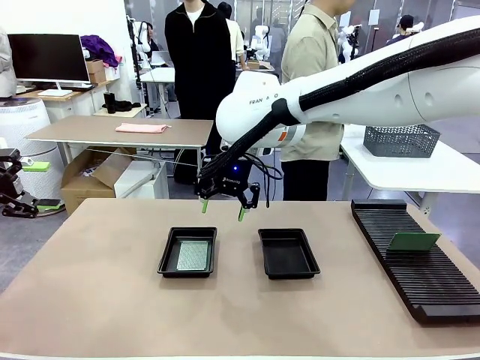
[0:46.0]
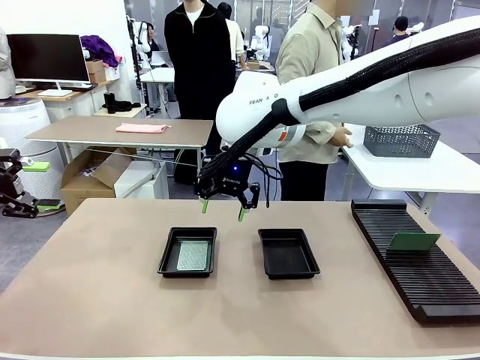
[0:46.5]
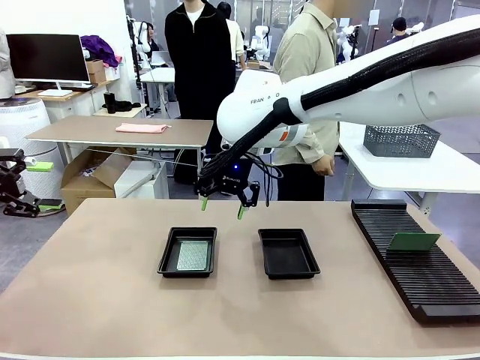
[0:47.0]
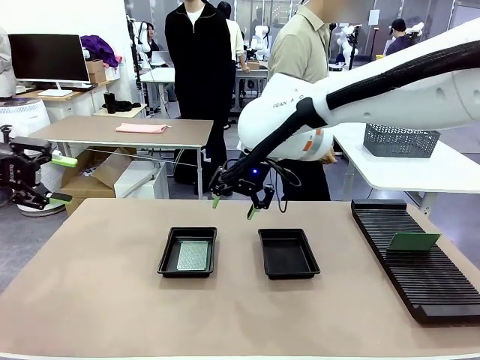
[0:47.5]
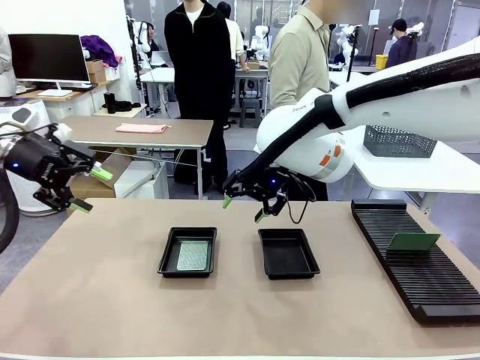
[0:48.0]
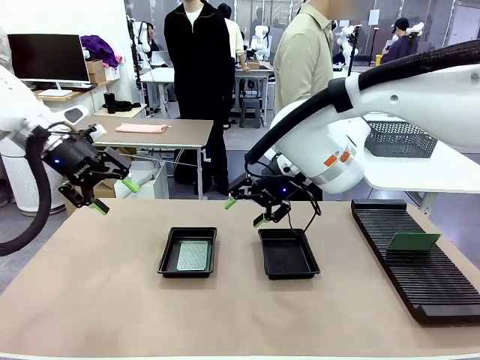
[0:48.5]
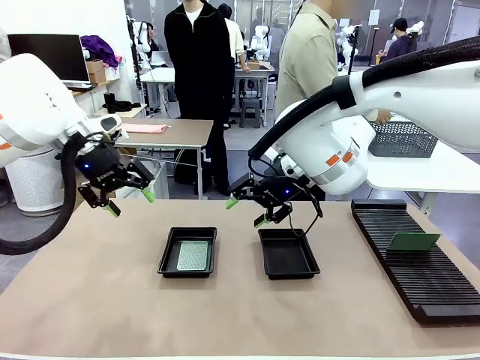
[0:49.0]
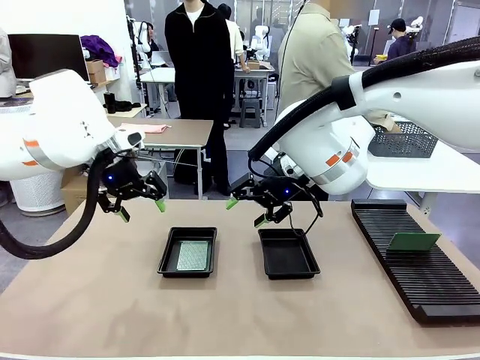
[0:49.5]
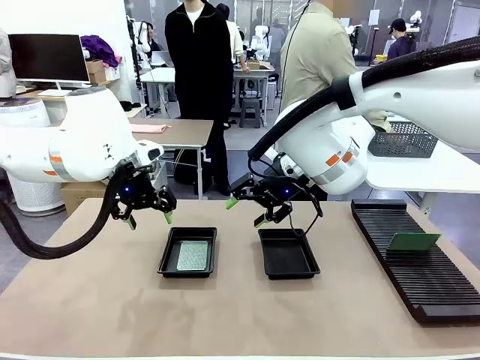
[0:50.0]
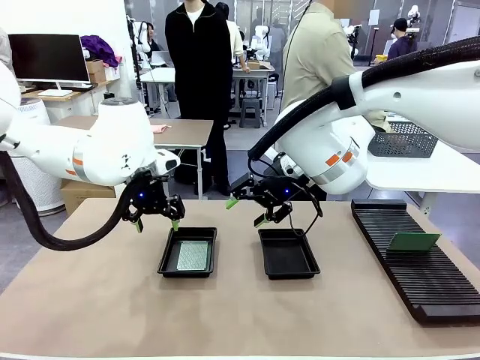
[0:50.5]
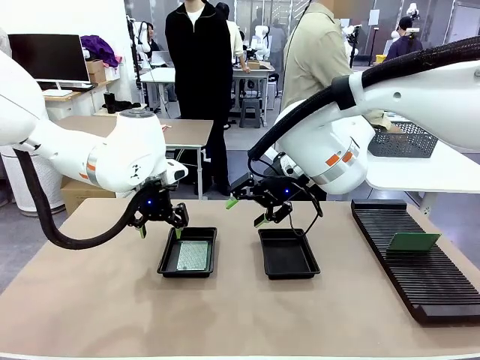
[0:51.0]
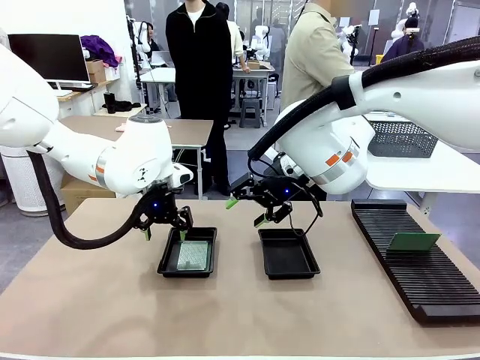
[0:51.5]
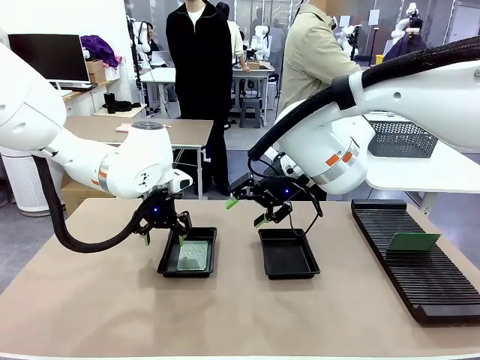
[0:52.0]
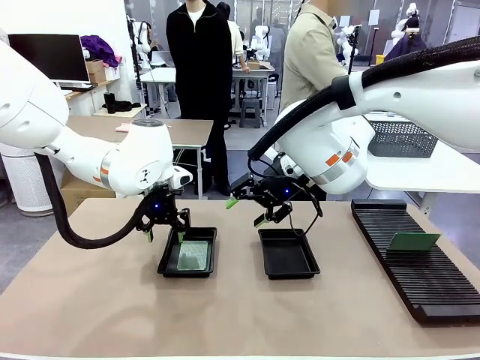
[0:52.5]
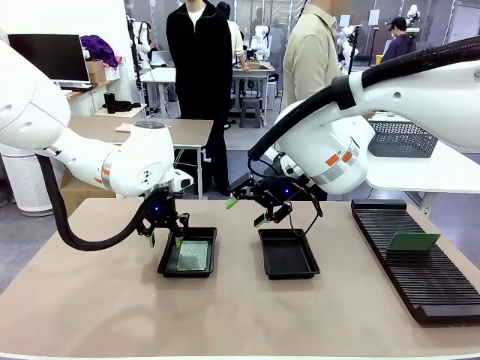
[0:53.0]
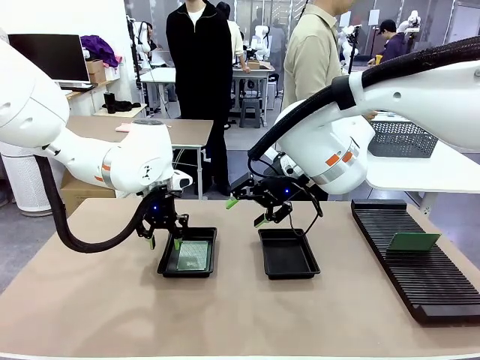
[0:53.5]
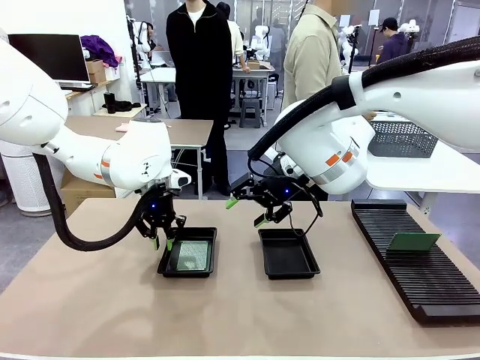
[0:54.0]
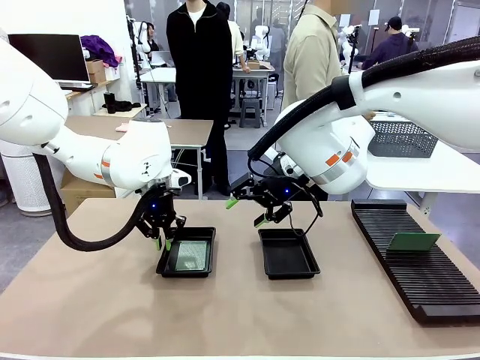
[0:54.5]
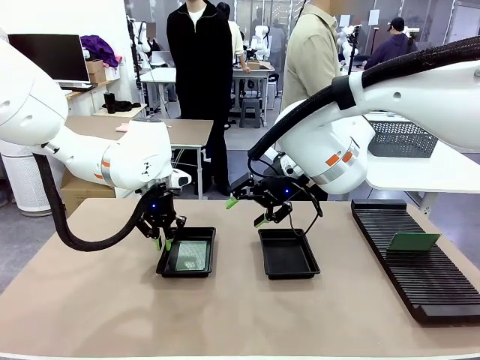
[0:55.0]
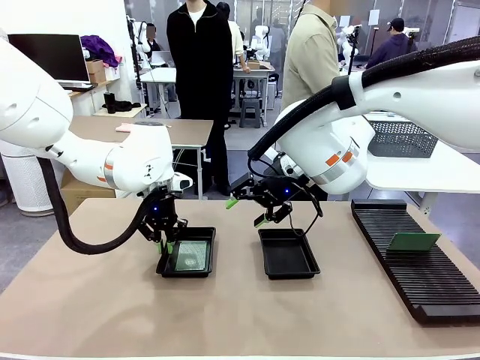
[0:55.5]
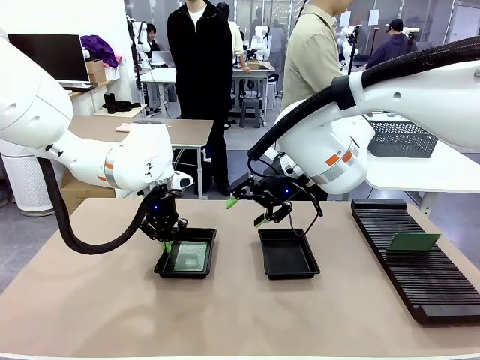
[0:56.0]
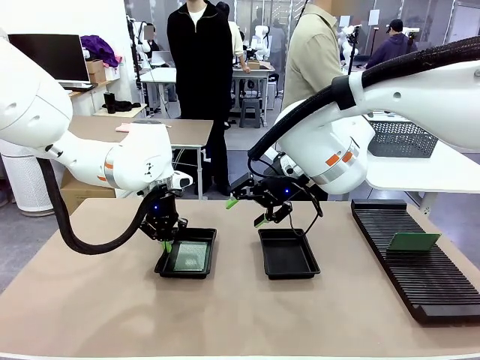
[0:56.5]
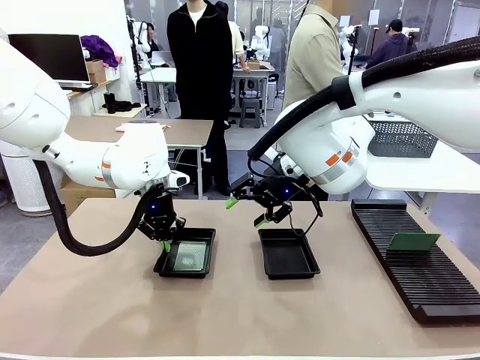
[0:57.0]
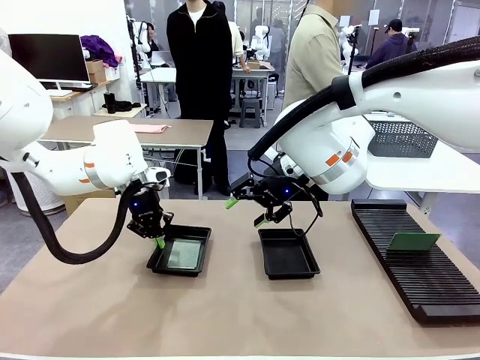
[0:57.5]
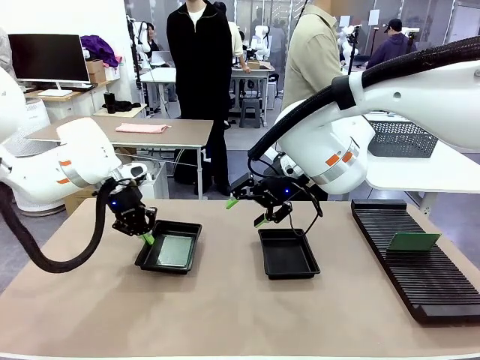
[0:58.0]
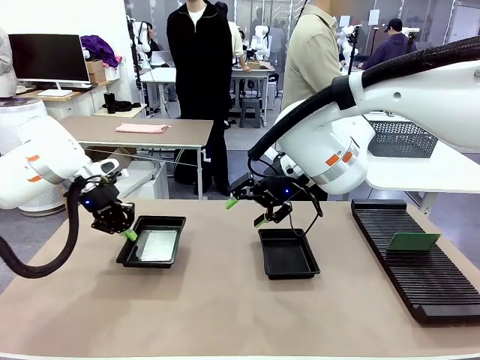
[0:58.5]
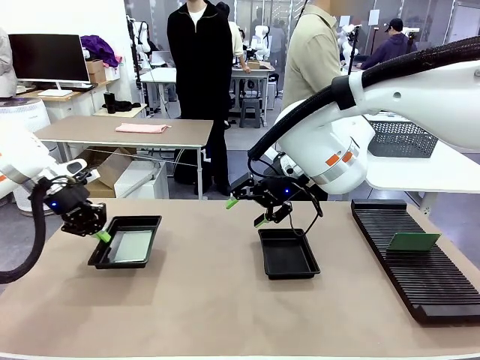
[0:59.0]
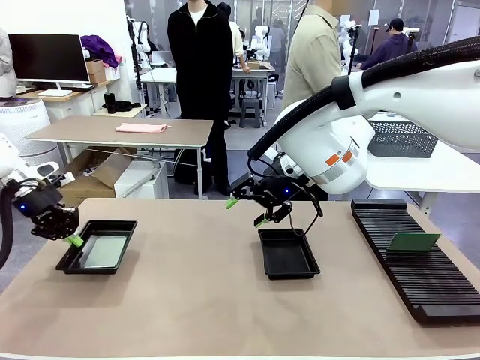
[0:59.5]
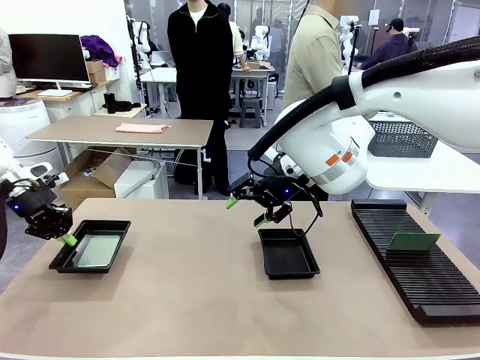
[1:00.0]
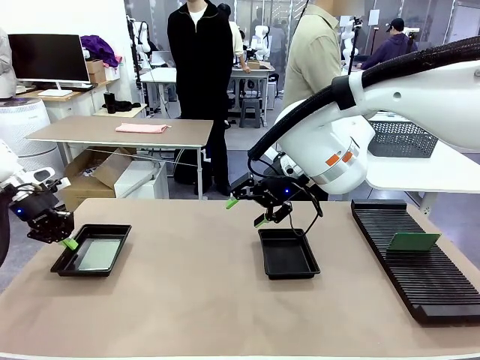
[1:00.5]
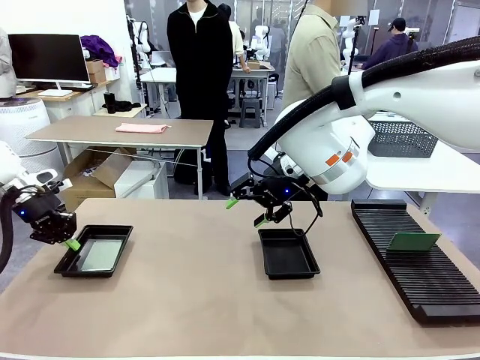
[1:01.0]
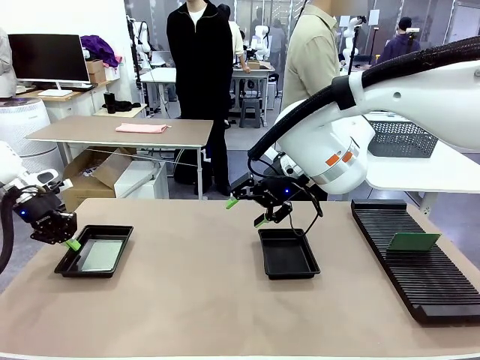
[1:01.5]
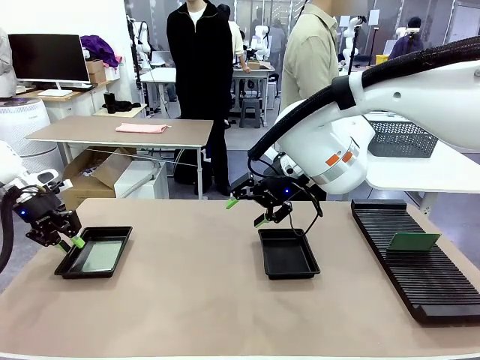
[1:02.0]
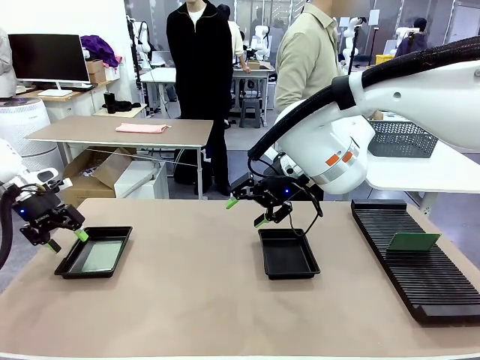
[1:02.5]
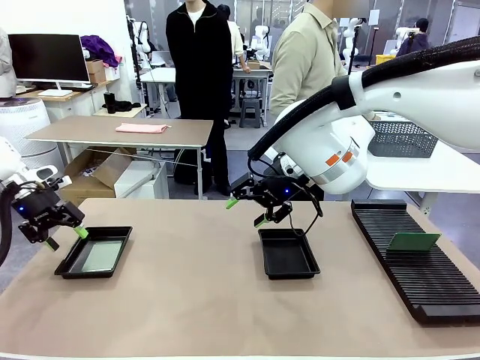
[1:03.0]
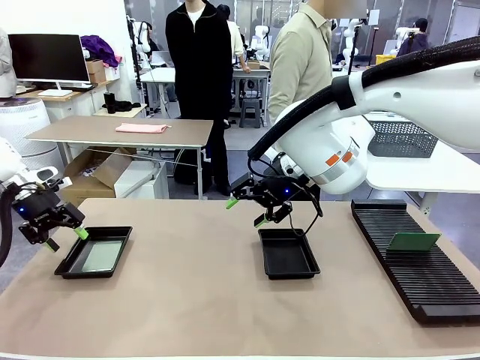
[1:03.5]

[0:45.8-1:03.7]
Task: Inspect and transfer BCBs to ESD trays.
Robot: Pick up the ESD tray and place it on the left side of the table.
